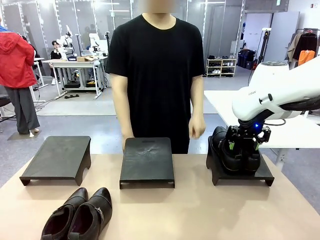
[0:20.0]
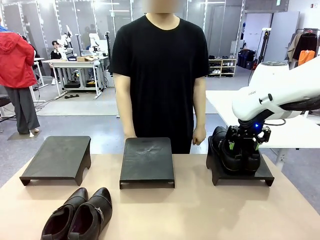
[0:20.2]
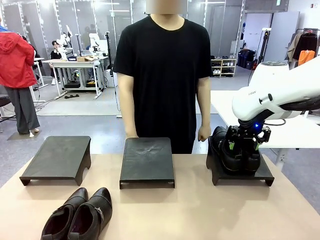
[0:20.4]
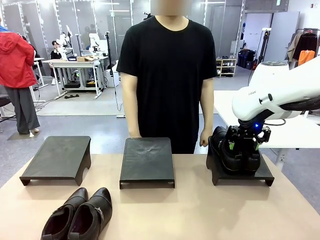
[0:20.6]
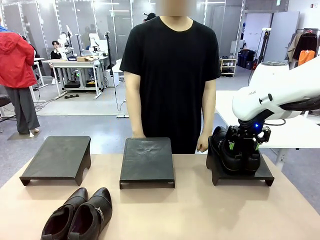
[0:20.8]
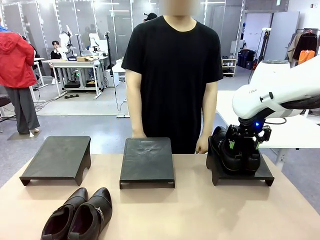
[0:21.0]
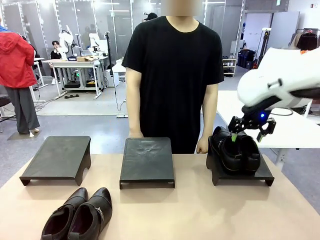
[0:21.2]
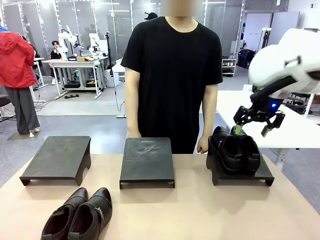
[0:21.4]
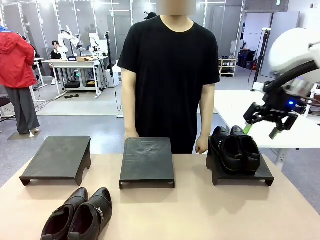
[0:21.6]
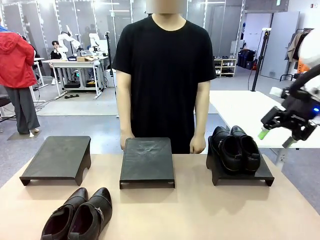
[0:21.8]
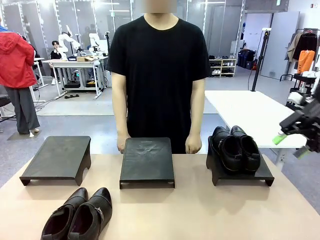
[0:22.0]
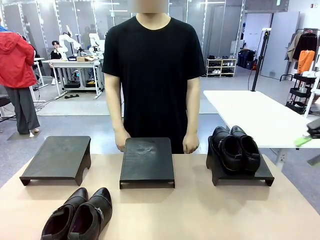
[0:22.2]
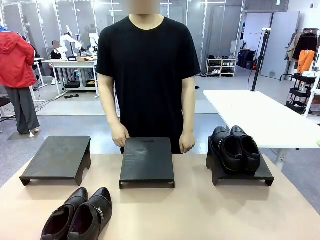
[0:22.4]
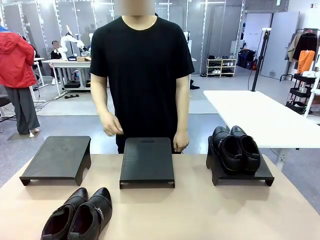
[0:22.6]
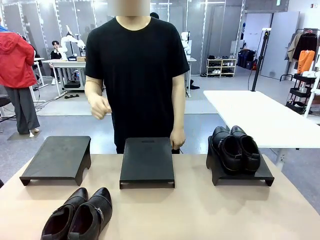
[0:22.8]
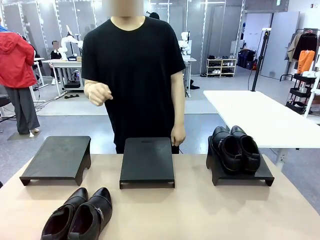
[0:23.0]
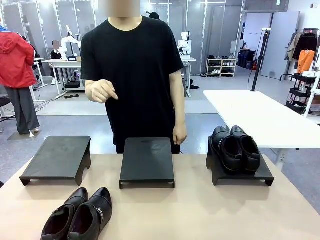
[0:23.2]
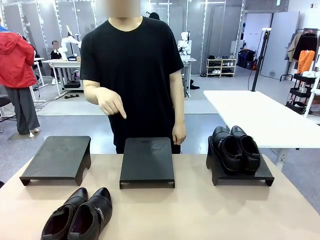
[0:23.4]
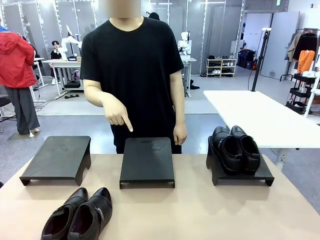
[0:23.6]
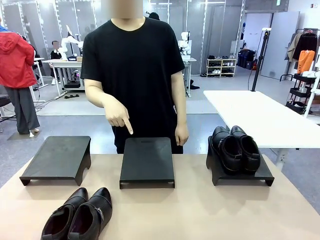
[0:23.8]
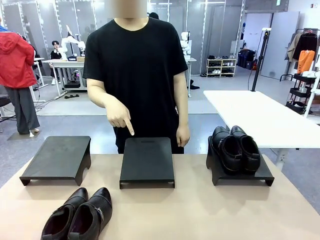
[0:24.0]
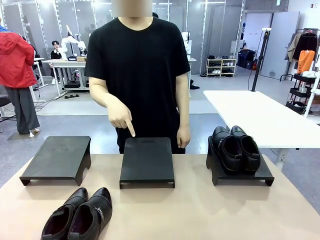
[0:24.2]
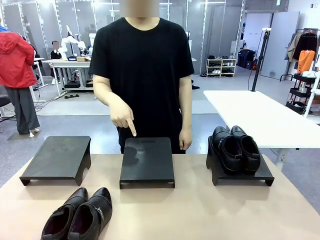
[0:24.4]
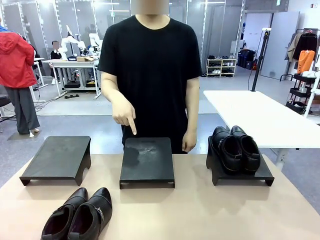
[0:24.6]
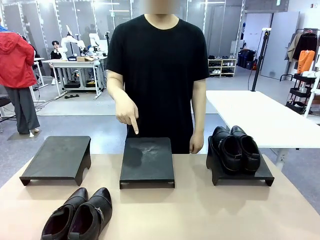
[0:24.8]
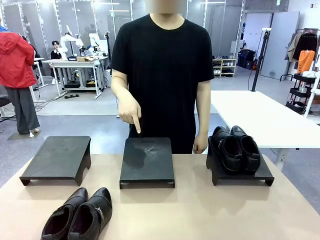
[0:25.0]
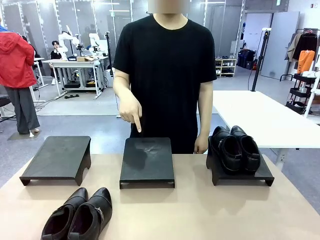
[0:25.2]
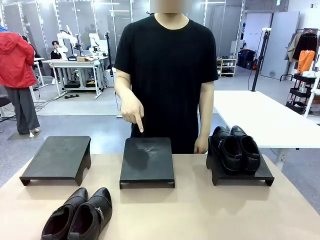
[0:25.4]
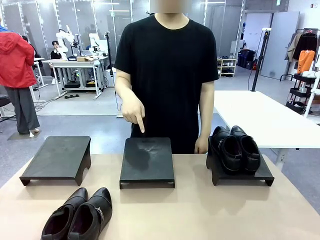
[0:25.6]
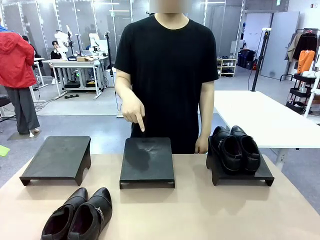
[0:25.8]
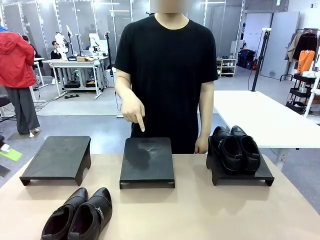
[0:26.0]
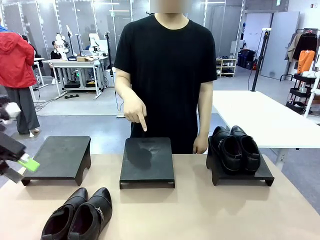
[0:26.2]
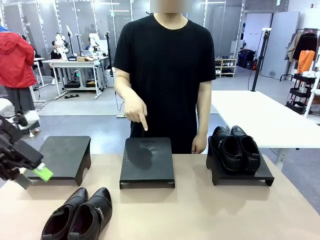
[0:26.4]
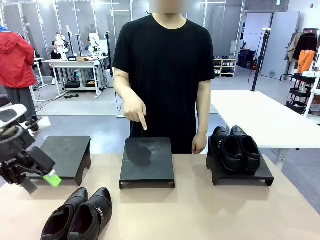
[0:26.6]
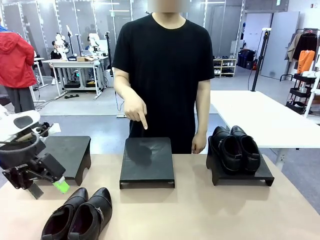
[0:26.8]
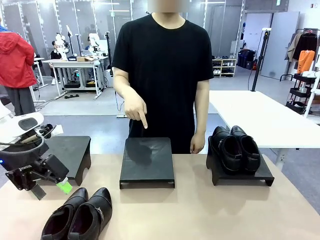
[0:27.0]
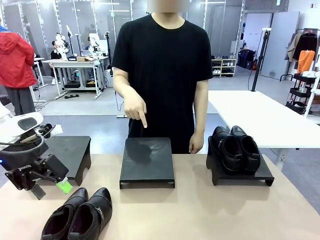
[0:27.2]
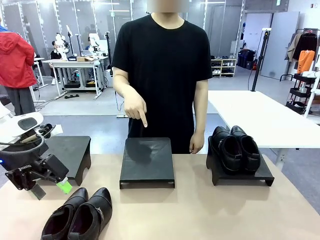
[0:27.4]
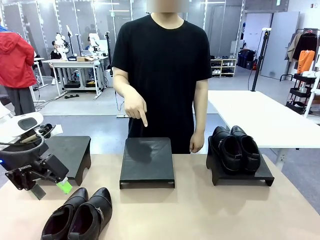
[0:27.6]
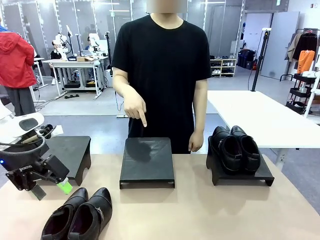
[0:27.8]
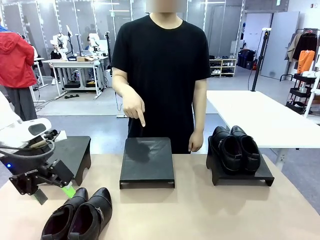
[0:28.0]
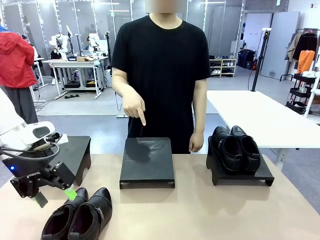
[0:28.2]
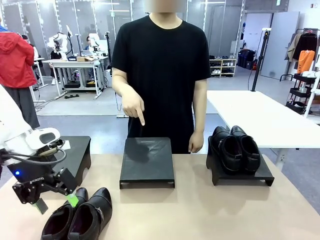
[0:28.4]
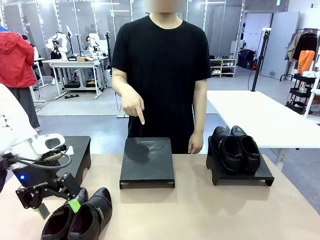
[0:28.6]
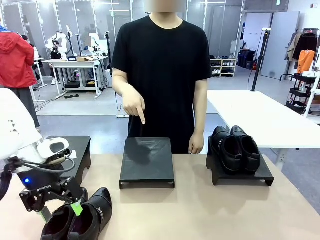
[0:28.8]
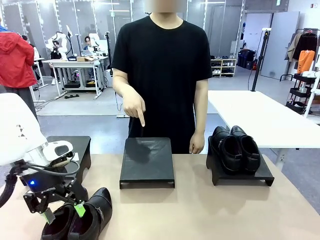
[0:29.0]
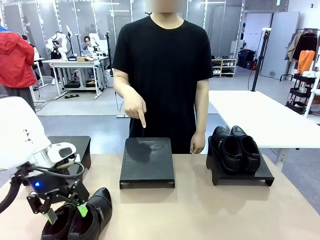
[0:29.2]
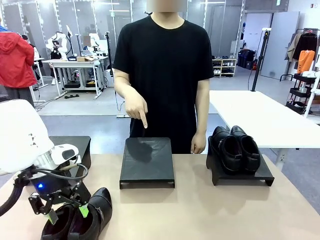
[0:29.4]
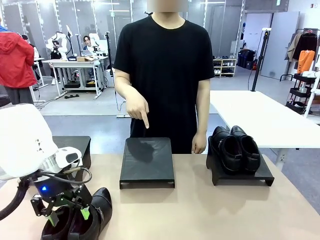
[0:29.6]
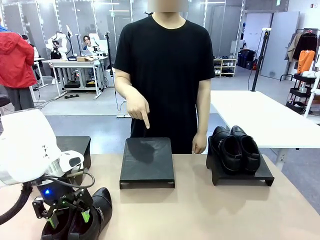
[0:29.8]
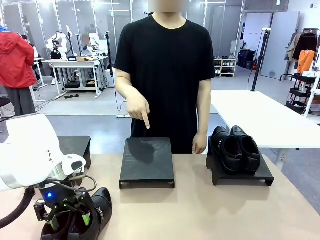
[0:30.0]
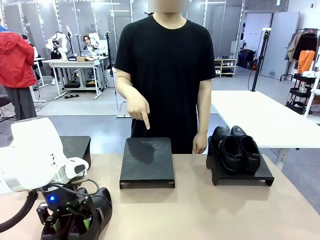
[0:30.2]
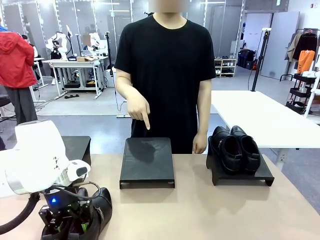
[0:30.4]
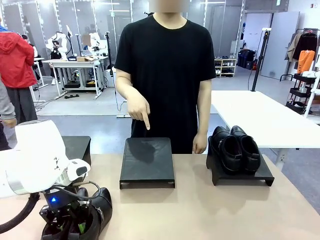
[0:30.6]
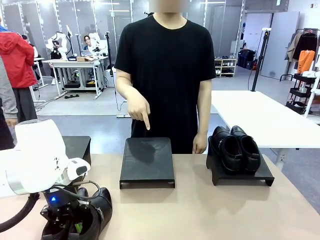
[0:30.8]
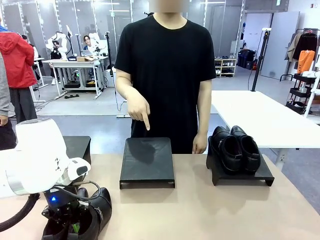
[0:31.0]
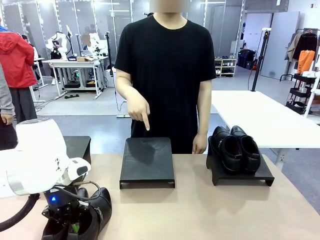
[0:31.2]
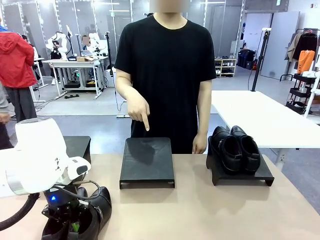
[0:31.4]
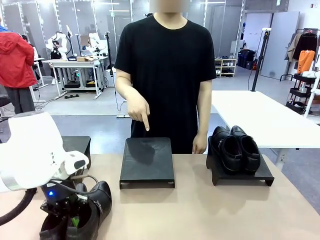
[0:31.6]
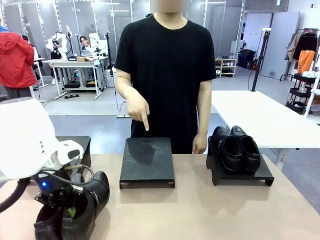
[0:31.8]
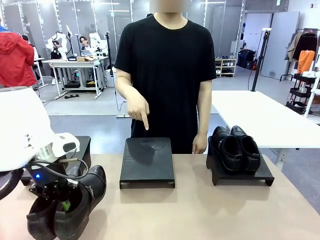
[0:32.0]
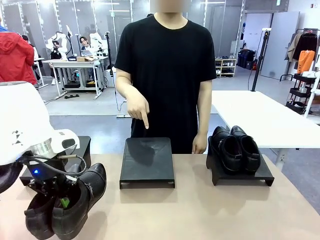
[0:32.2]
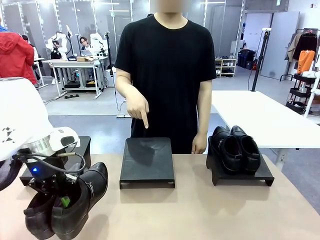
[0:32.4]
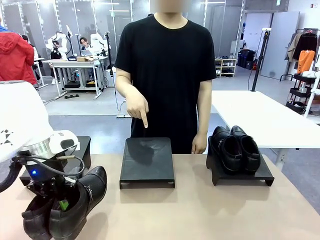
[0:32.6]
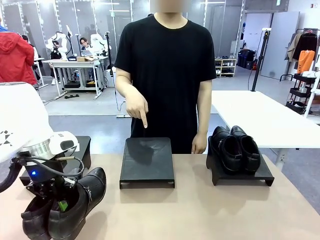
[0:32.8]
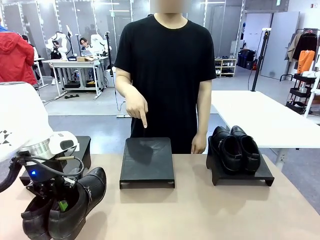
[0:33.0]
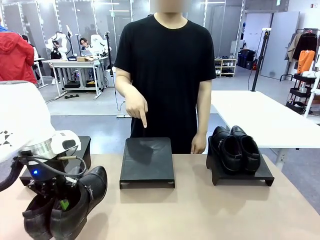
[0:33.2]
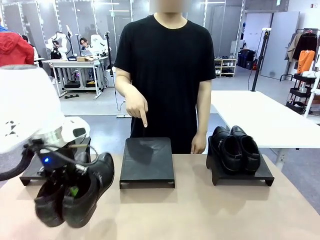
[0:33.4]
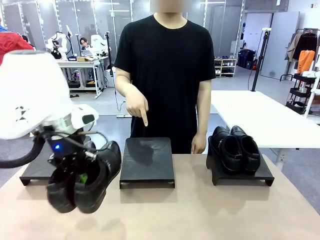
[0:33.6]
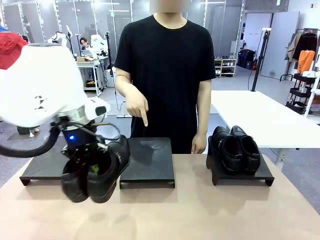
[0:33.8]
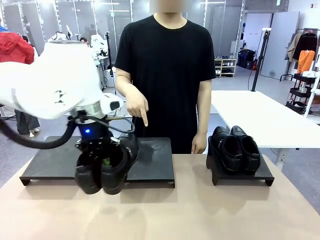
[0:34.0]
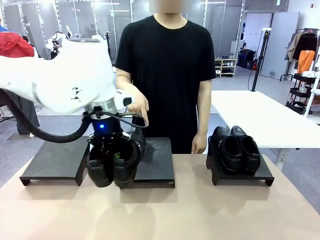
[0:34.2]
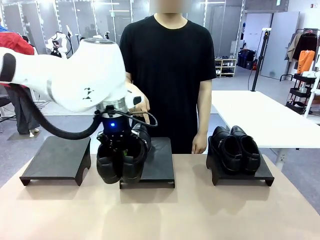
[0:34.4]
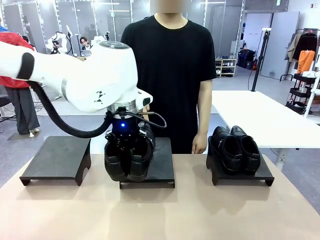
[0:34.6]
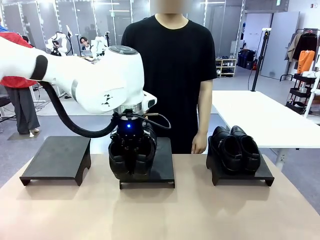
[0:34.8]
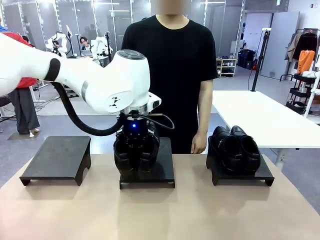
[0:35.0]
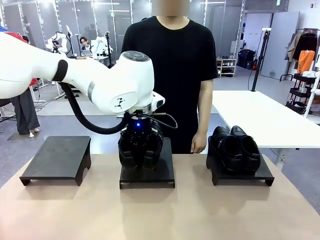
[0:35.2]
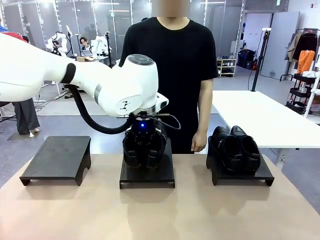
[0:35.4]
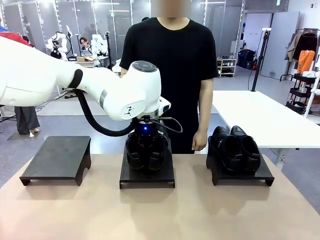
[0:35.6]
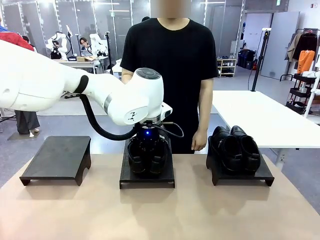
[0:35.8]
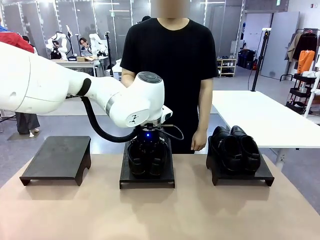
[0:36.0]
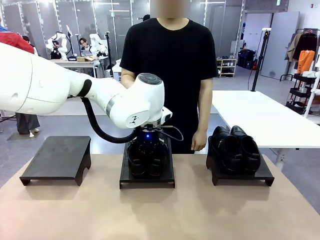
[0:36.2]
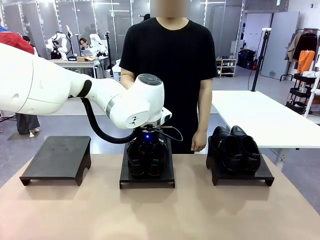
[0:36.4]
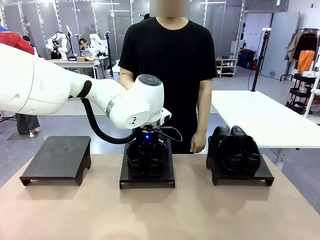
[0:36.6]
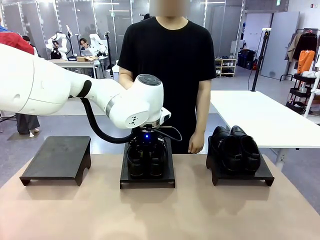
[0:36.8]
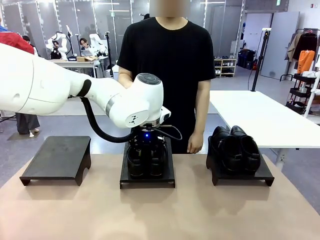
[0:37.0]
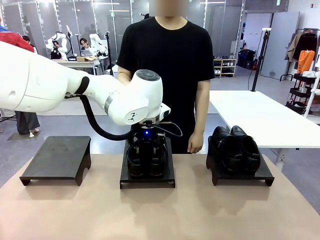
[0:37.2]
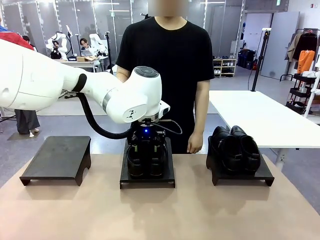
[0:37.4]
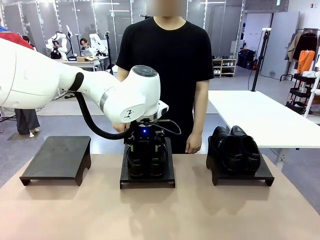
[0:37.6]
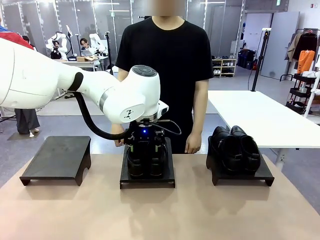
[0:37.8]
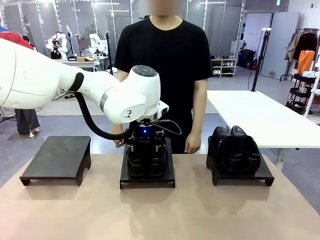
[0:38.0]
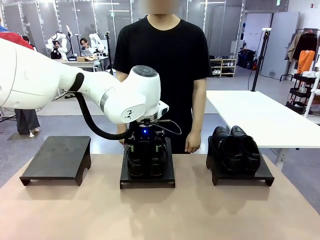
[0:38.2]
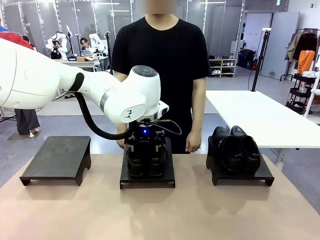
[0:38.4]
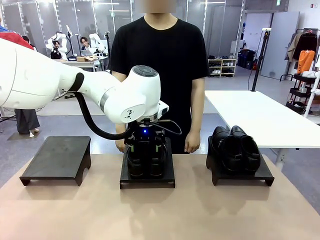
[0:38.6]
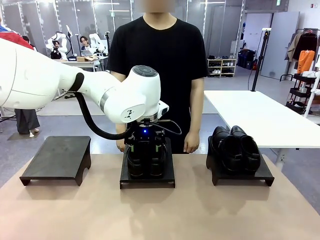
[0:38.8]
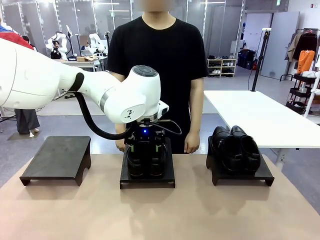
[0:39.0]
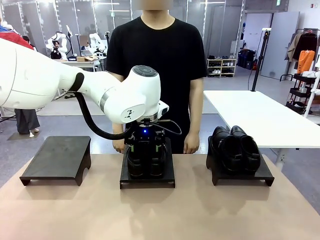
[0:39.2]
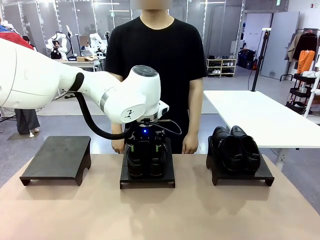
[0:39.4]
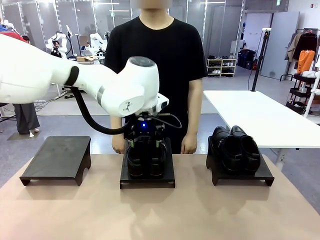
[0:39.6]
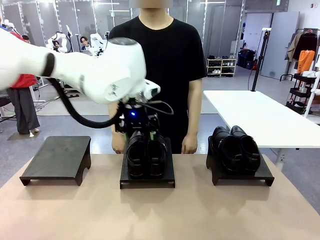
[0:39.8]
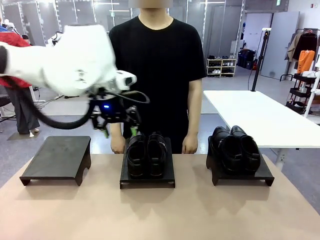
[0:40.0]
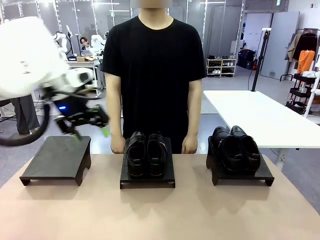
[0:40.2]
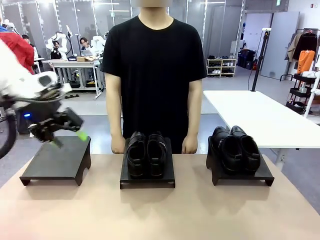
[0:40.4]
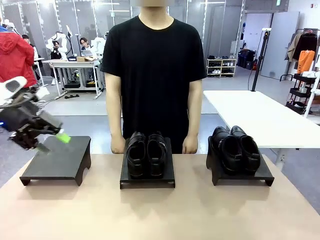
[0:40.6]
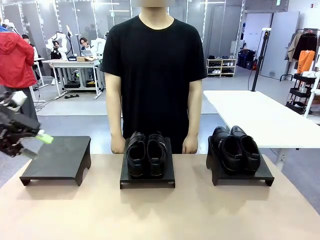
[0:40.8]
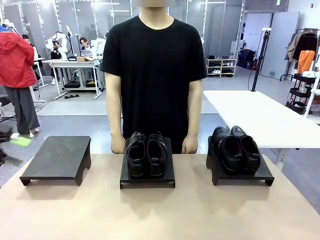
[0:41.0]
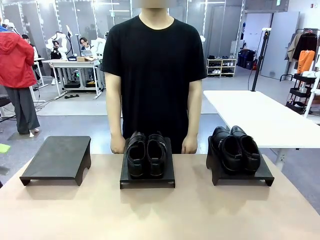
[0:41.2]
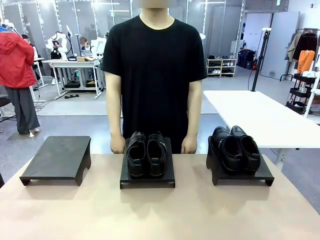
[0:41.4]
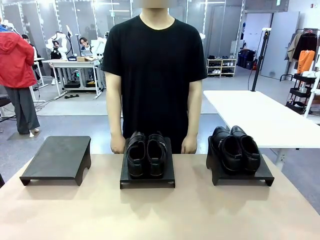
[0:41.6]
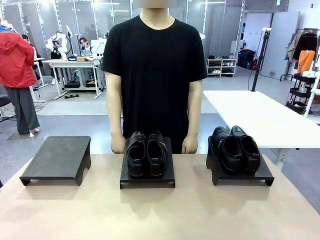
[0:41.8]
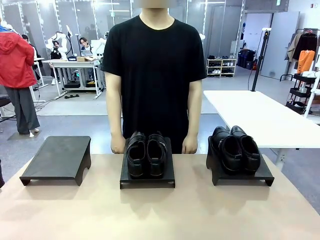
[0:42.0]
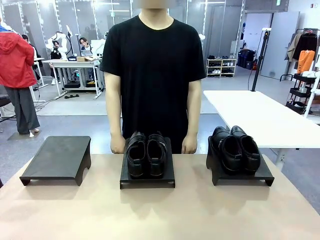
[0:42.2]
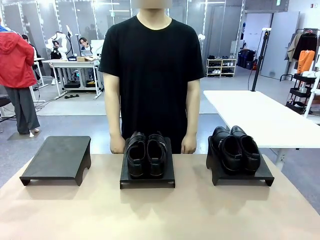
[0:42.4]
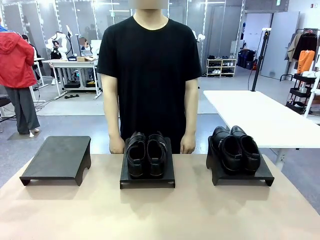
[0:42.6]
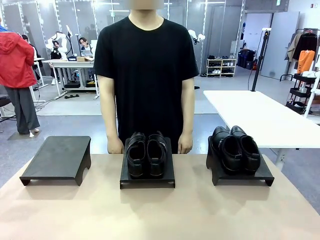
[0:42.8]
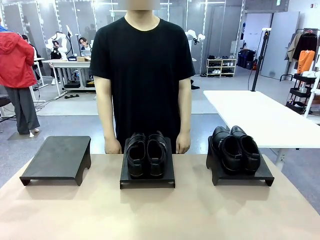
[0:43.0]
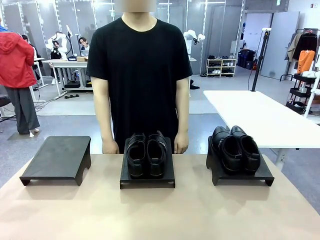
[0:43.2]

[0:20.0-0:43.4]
Task: Place the shoes on the stand as instructed by the person.
Robot: Pick up another pair of Shoes and place it on the Shoes Stand indicated by the person.
Person: Point to one Shoes Stand.
